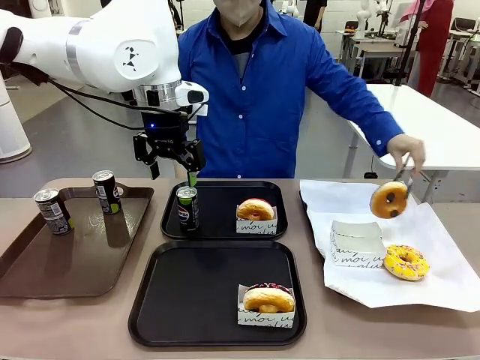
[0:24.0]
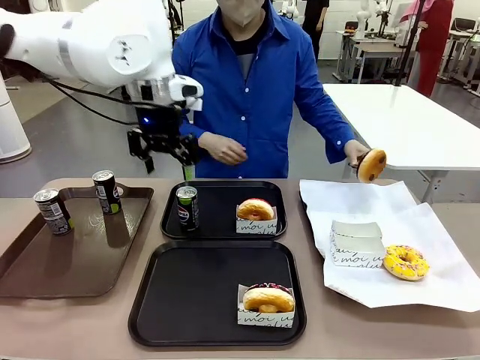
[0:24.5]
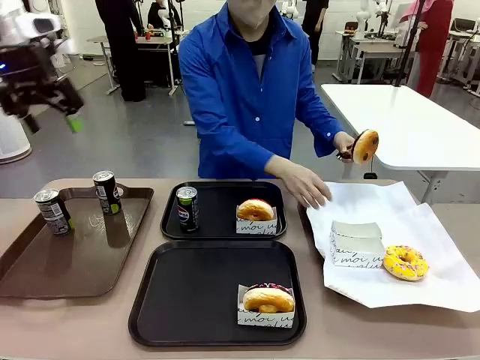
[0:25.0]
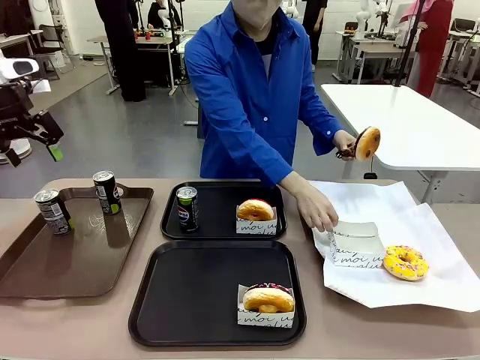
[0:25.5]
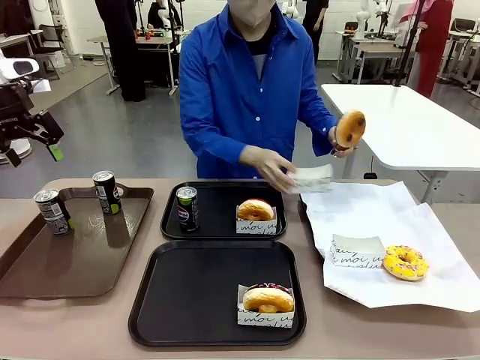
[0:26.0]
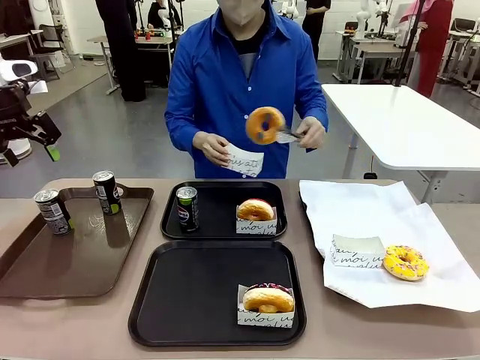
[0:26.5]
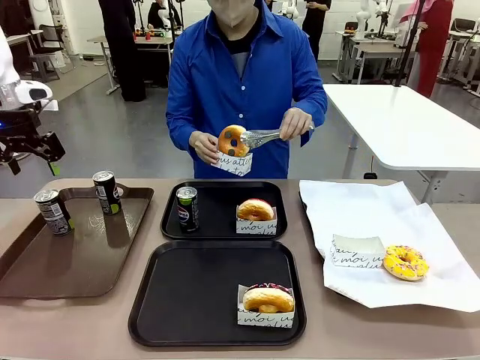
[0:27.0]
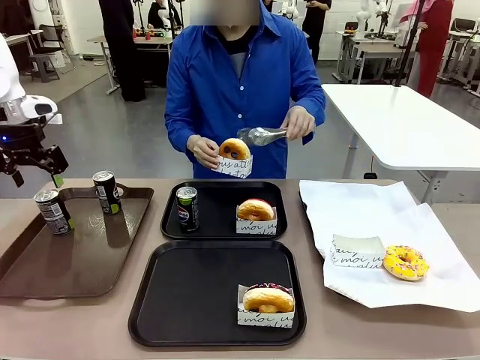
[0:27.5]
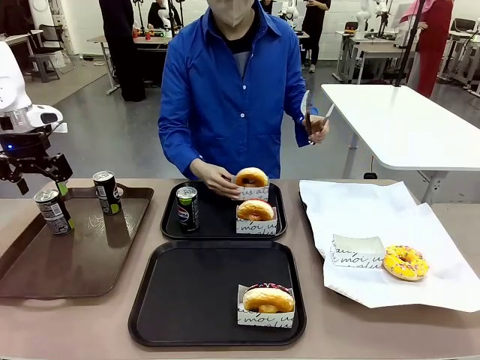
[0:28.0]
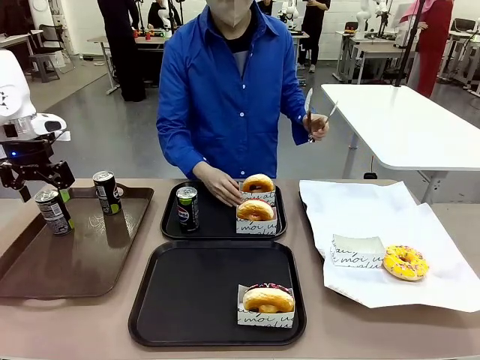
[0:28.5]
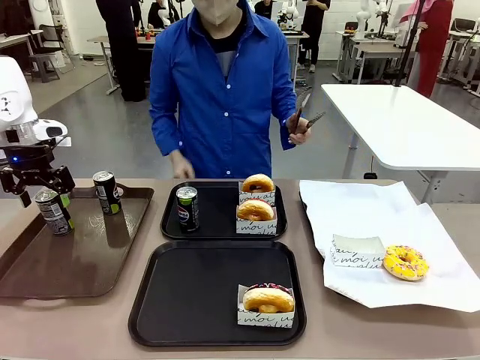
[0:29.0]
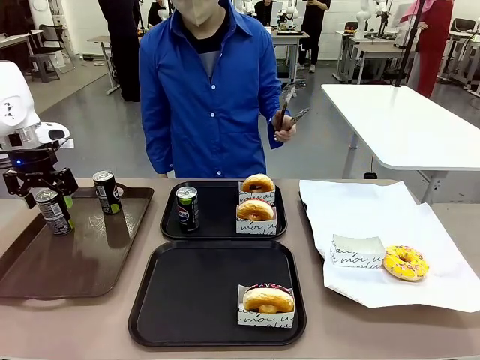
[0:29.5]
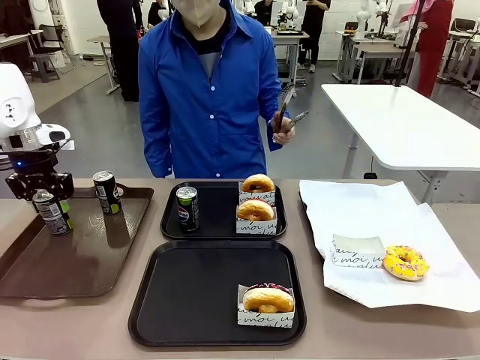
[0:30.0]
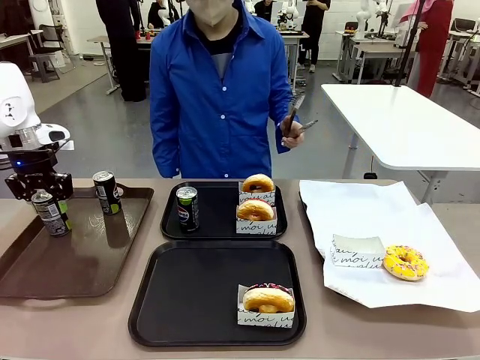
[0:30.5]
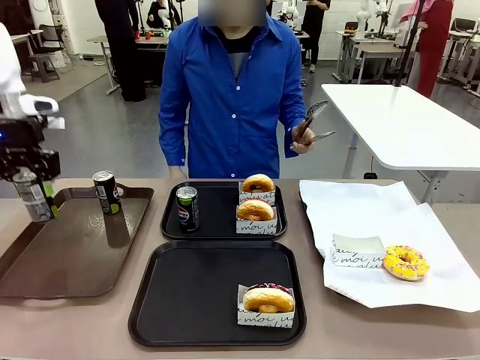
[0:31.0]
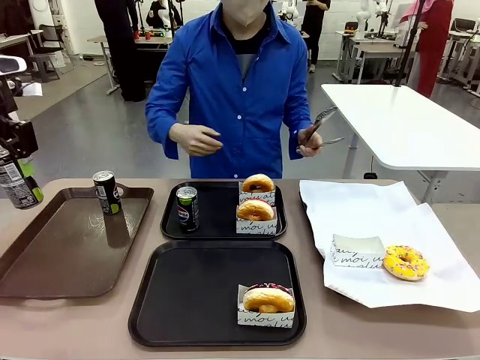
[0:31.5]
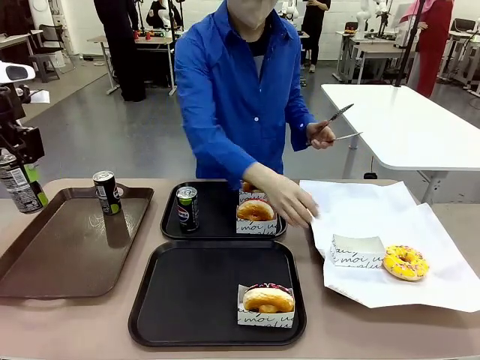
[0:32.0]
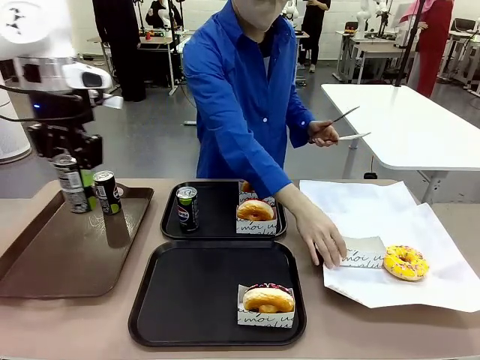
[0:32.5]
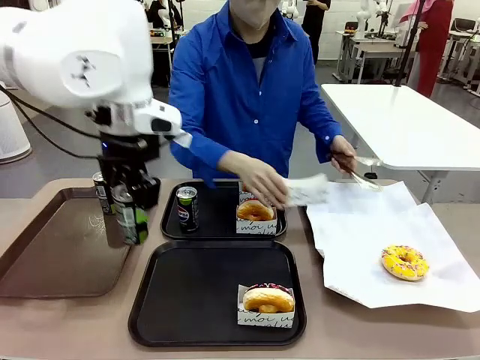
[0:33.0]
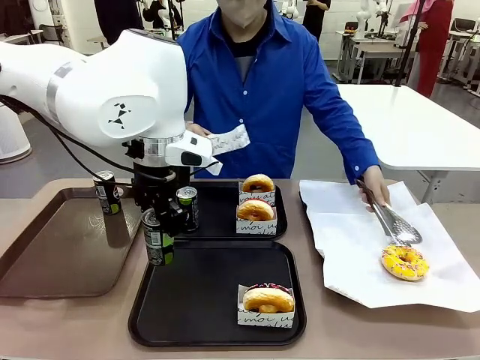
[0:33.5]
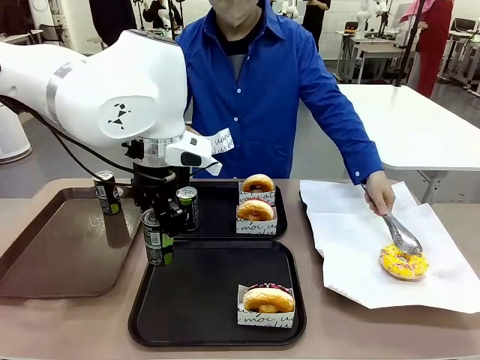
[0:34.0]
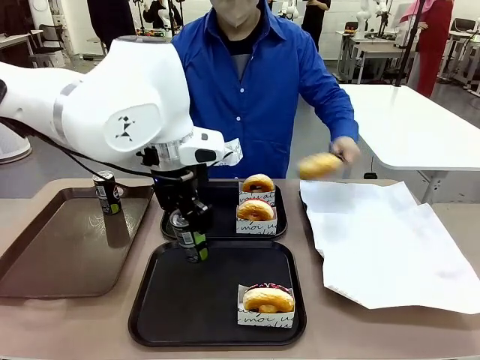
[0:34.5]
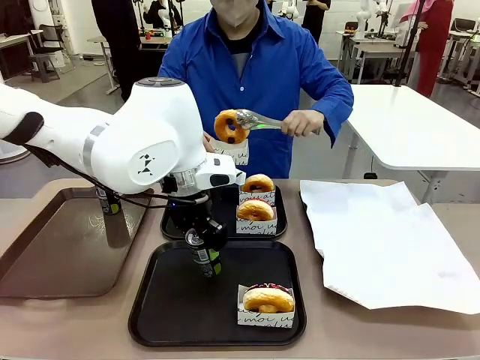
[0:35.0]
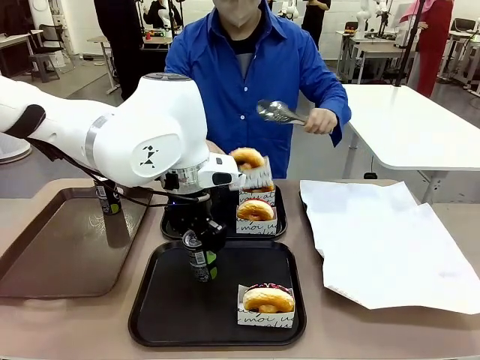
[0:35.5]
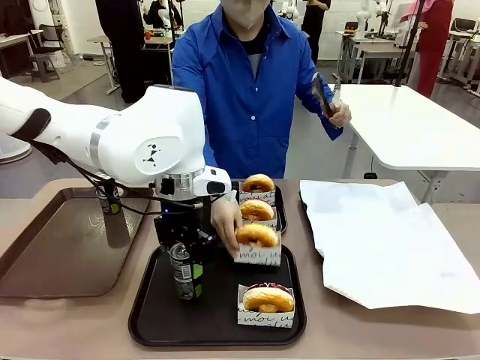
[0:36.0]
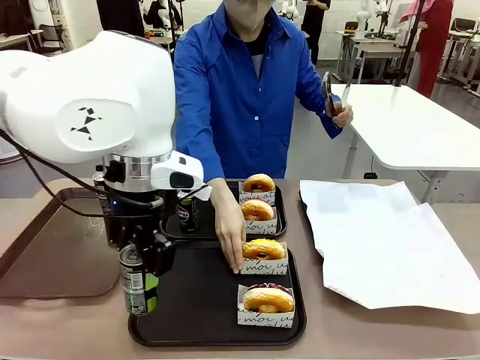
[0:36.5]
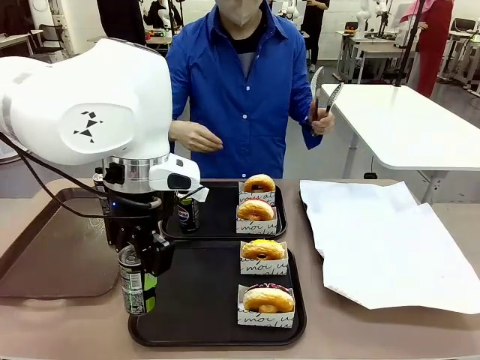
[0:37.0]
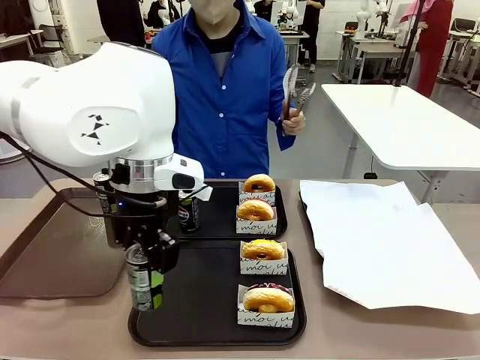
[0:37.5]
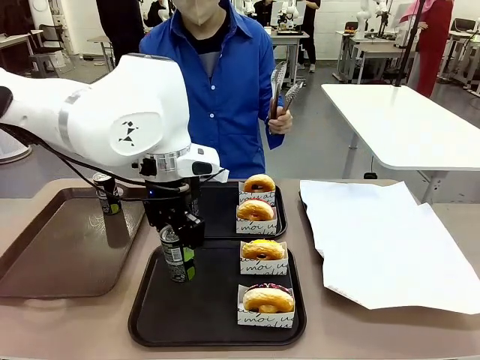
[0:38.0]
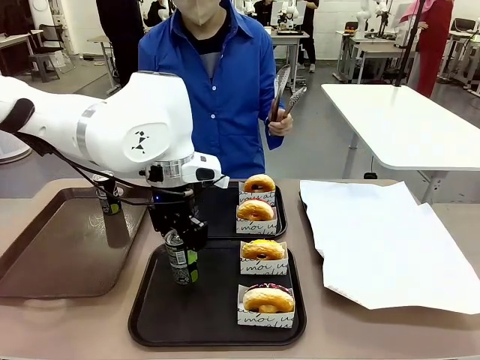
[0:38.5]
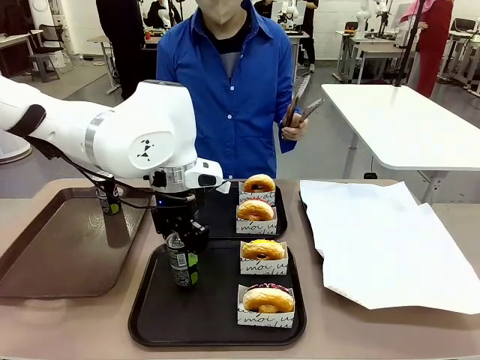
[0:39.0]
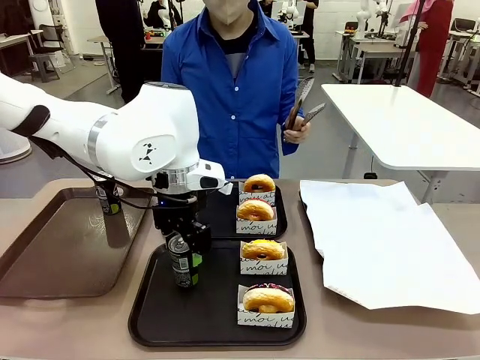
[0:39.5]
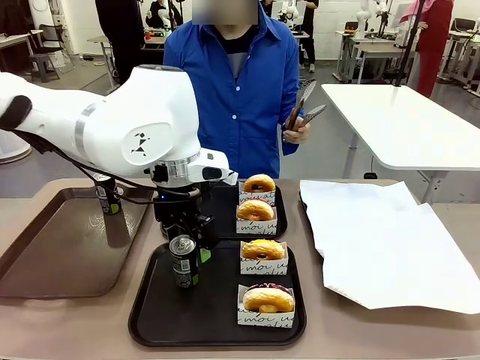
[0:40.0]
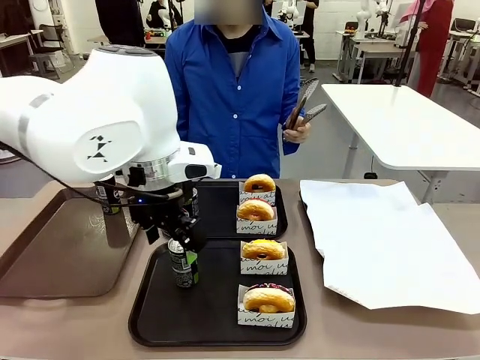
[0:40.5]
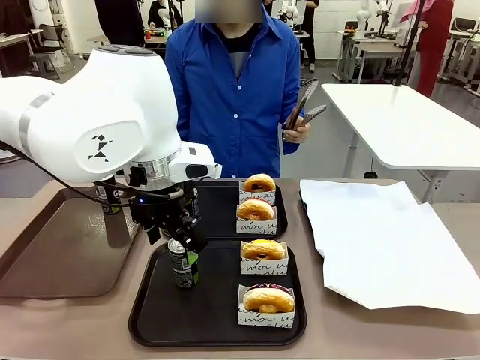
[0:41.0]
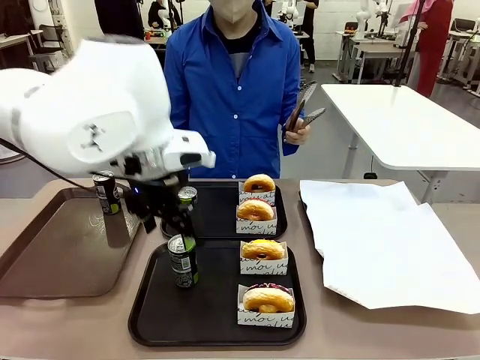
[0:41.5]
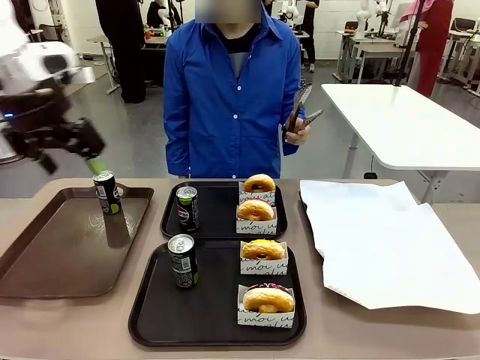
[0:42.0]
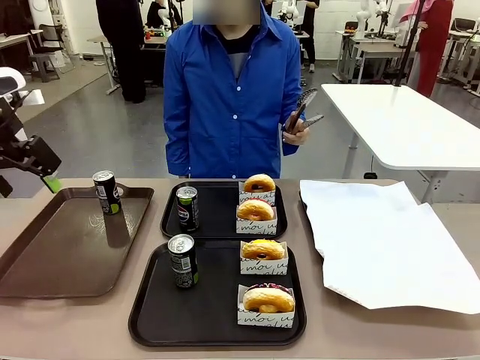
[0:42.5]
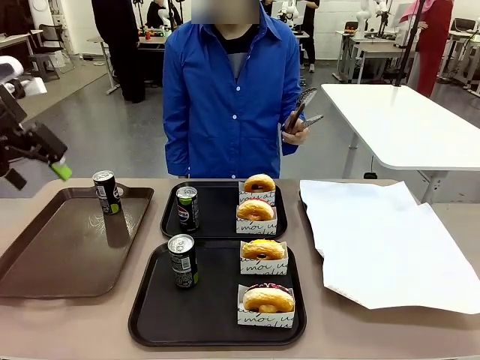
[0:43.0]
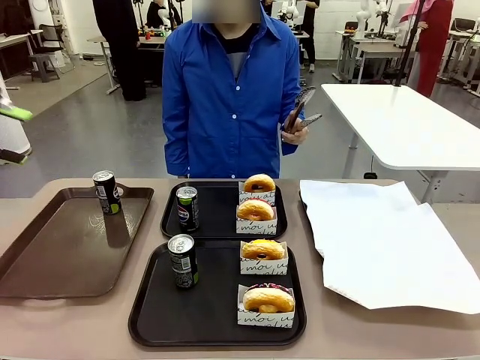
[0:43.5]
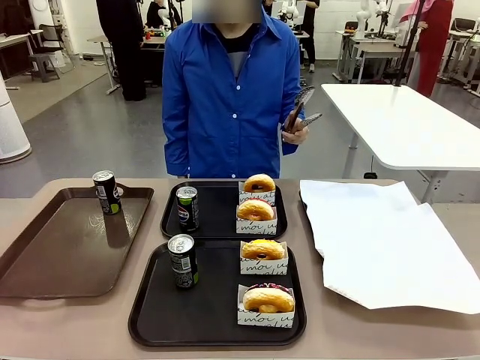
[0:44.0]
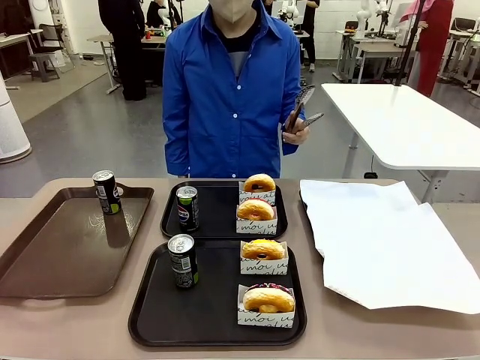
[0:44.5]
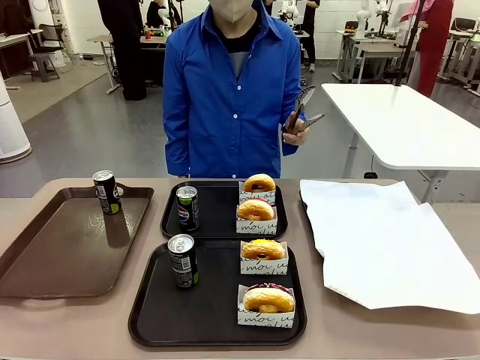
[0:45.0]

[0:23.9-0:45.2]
Task: Set up donuts and drinks on trays.
Robot: Pick up one Pepsi coke from the Handle tray and place it on the Flat Tray without a Pepsi coke.
